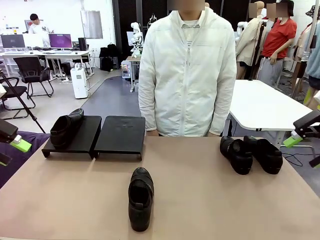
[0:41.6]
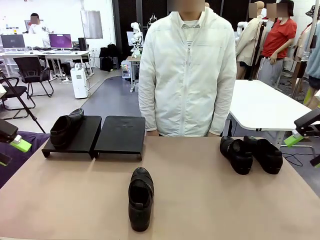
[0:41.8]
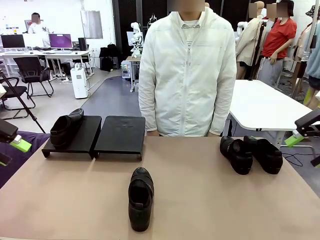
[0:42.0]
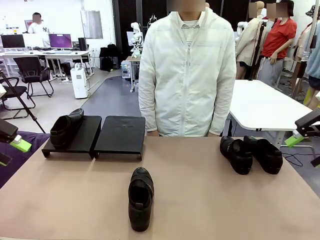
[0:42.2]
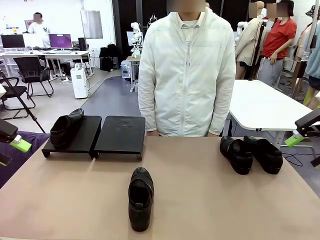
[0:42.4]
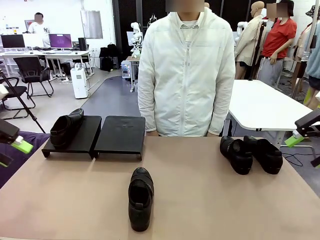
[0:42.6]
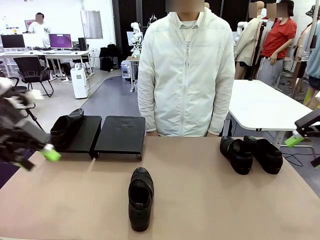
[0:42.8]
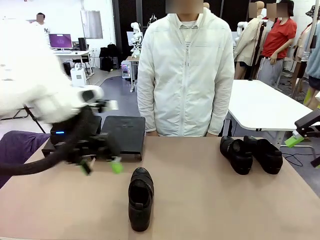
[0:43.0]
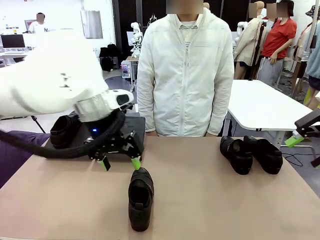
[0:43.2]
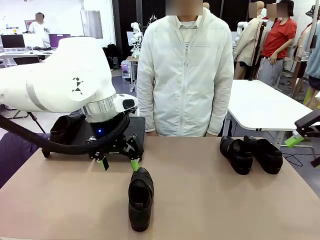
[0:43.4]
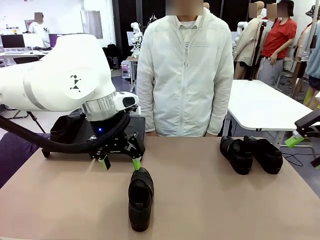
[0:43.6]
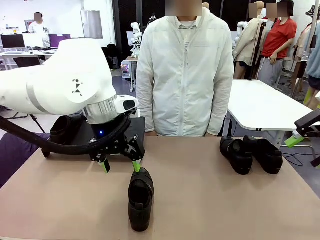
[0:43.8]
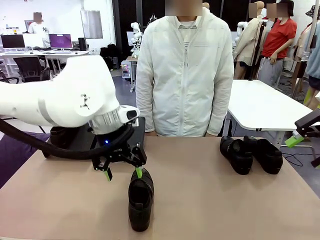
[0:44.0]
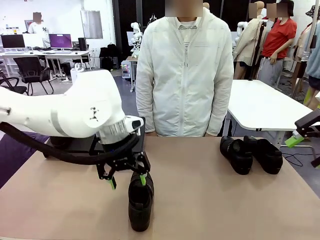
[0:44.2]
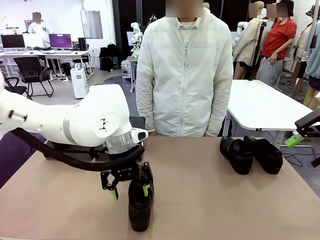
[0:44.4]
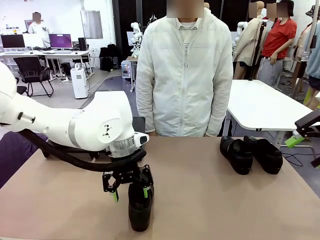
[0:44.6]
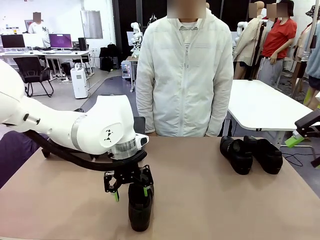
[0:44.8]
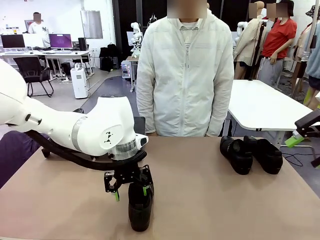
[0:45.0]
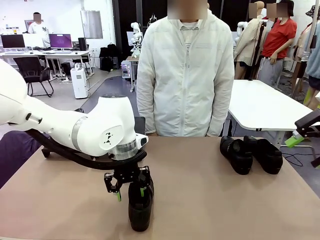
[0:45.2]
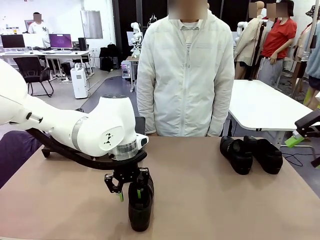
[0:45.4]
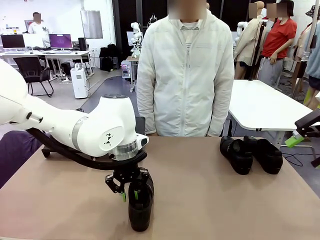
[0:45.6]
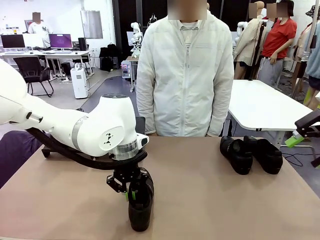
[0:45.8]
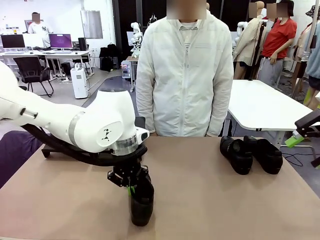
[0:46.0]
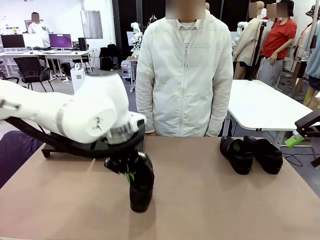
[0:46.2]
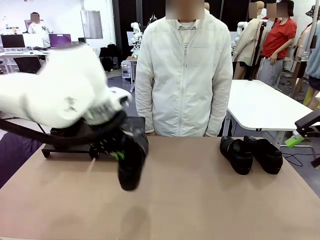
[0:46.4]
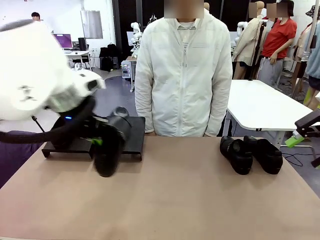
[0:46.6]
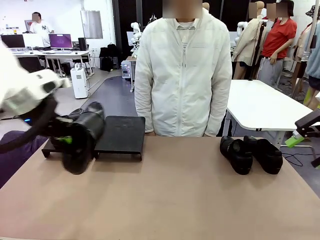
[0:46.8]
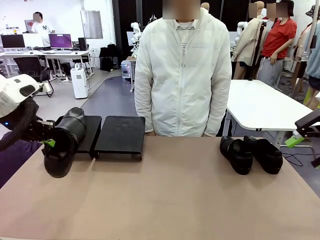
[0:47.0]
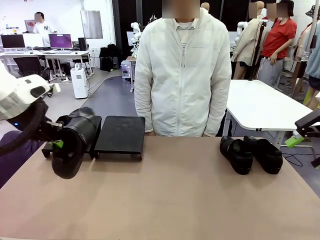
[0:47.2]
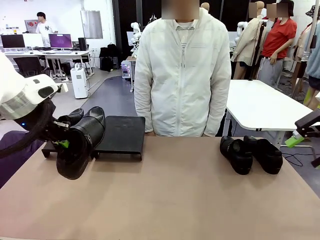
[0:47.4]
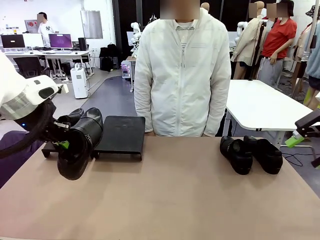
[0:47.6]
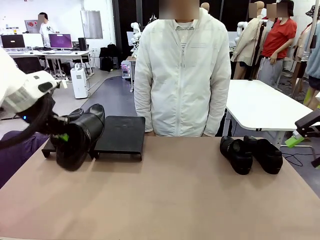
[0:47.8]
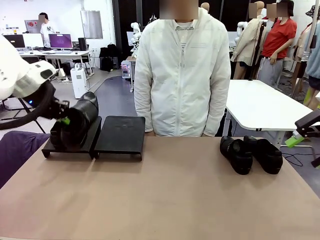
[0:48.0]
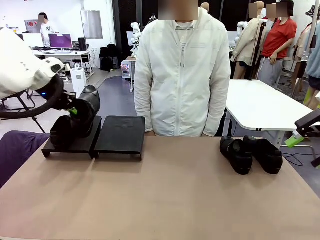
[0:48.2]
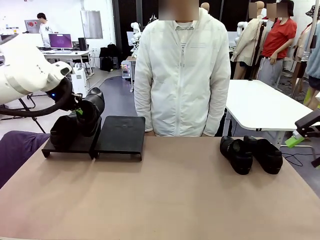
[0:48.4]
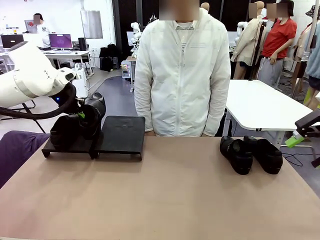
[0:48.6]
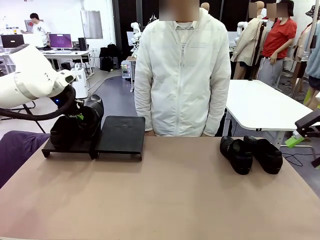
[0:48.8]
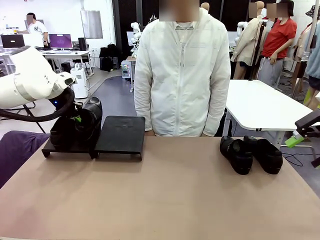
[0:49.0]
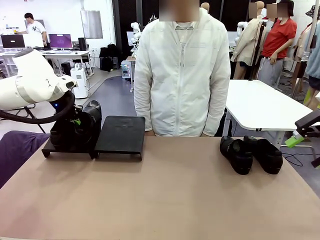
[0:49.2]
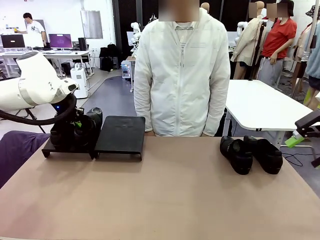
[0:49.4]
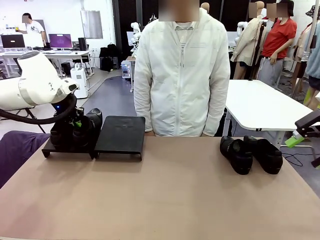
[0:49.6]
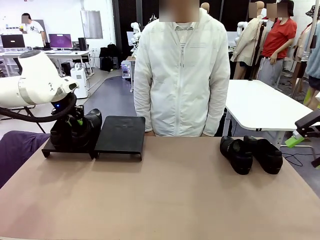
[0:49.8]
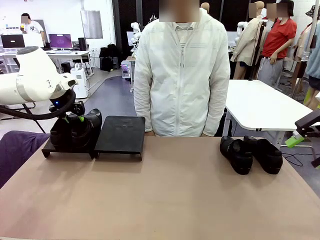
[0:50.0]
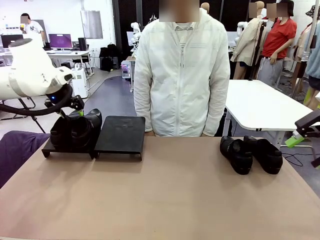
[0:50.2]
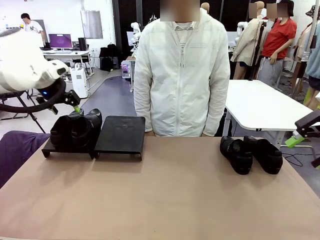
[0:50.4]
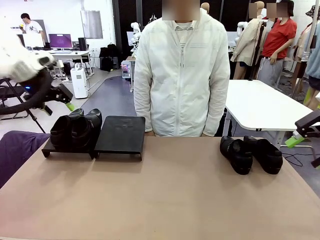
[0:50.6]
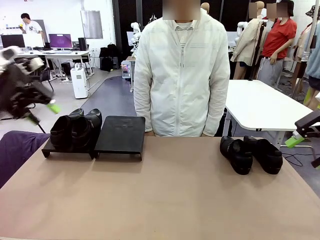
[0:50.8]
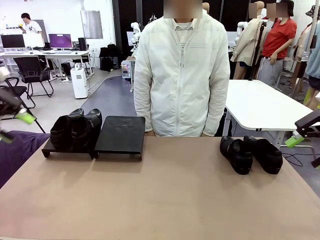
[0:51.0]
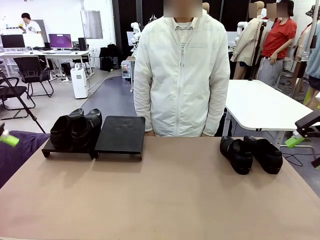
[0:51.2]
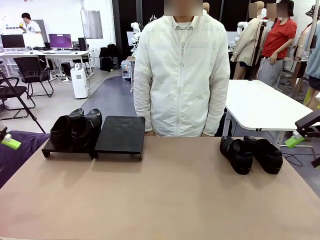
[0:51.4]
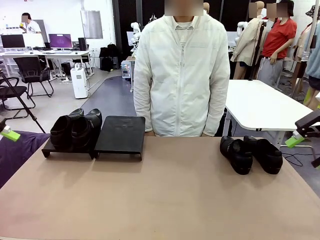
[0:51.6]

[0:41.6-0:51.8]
Task: Organize the shoes by placing them on the stand.
Robot: Place the Shoe from the middle of the table onto the Shoes Stand.

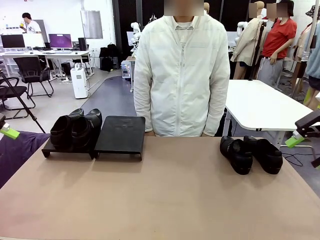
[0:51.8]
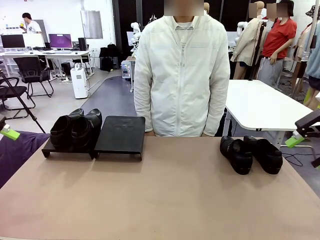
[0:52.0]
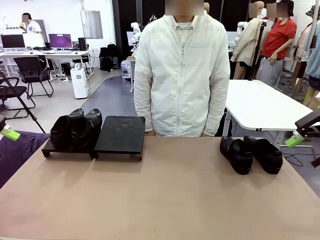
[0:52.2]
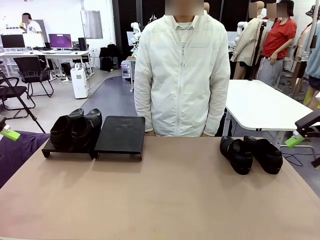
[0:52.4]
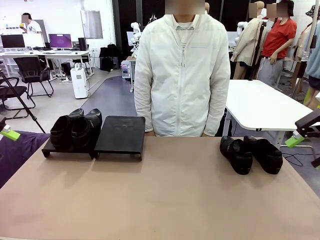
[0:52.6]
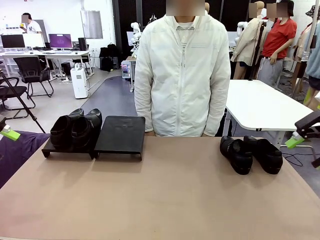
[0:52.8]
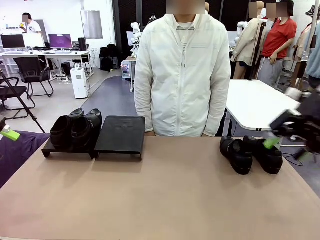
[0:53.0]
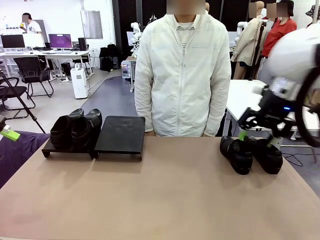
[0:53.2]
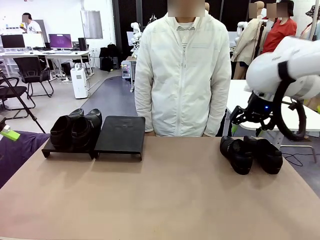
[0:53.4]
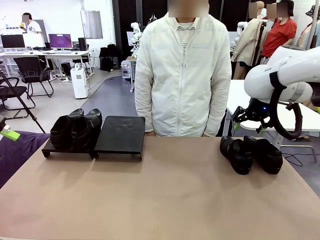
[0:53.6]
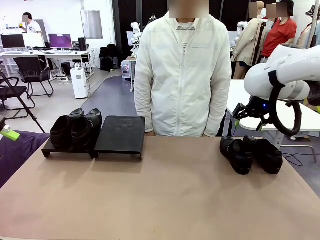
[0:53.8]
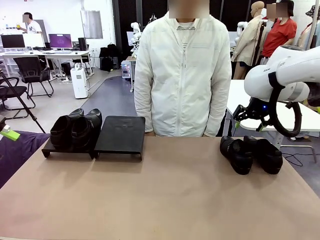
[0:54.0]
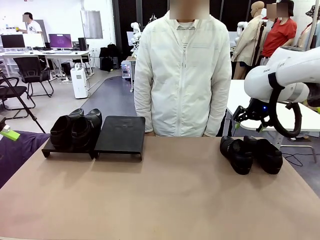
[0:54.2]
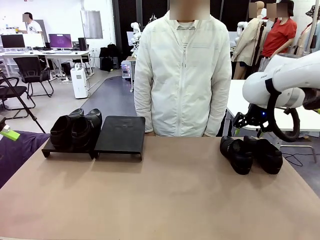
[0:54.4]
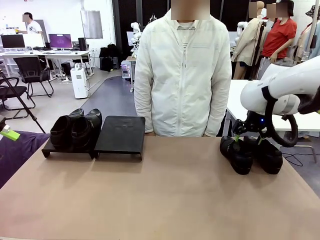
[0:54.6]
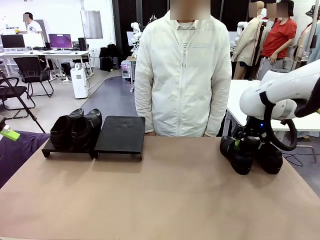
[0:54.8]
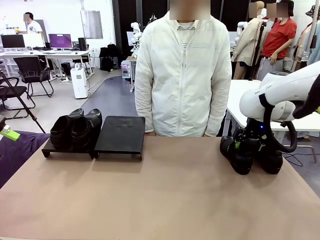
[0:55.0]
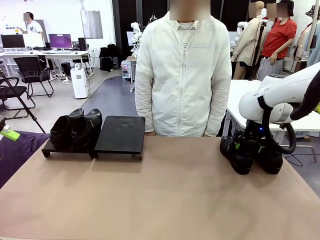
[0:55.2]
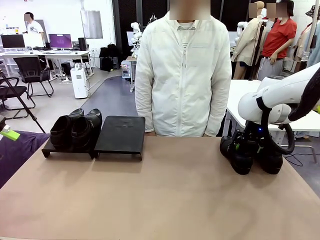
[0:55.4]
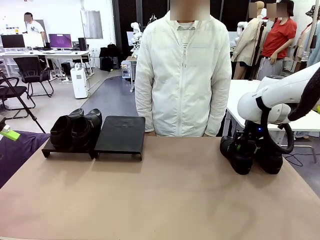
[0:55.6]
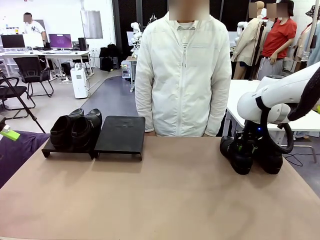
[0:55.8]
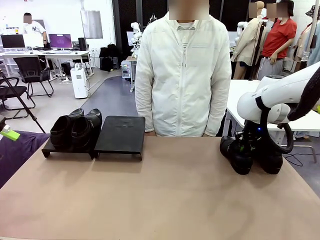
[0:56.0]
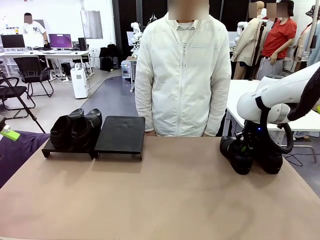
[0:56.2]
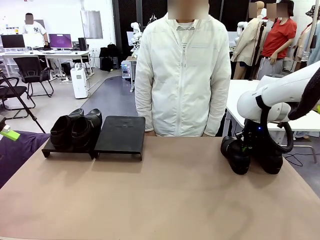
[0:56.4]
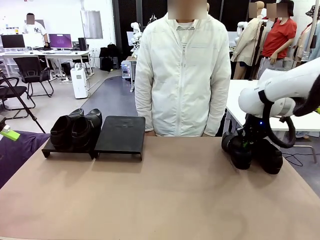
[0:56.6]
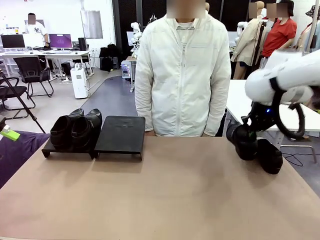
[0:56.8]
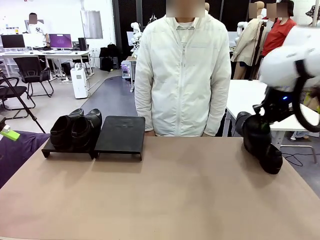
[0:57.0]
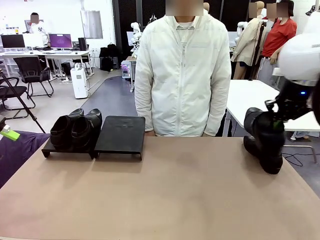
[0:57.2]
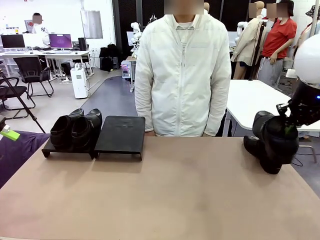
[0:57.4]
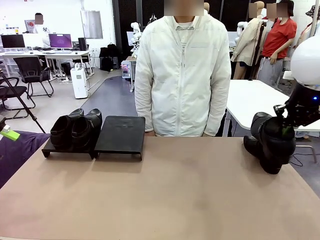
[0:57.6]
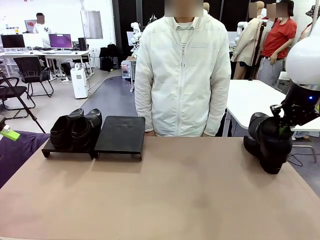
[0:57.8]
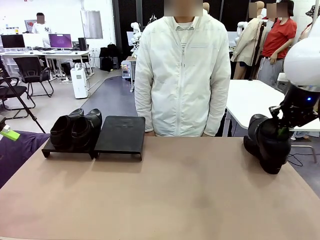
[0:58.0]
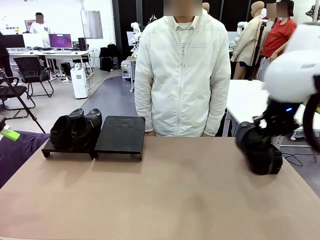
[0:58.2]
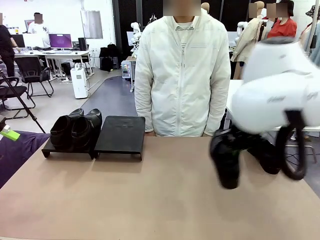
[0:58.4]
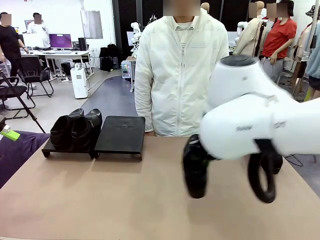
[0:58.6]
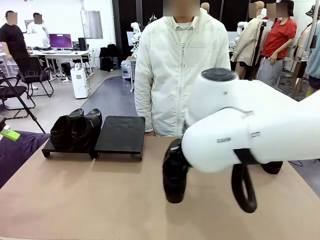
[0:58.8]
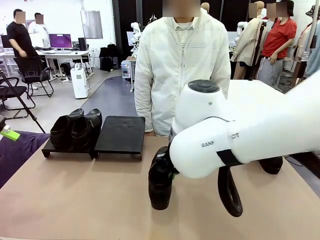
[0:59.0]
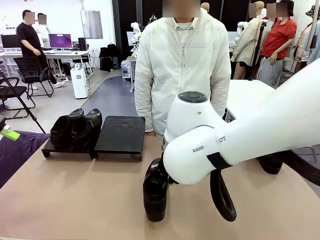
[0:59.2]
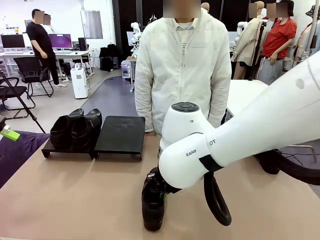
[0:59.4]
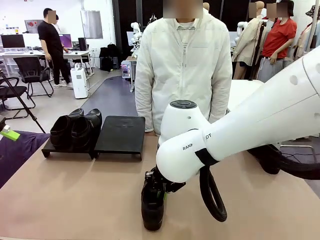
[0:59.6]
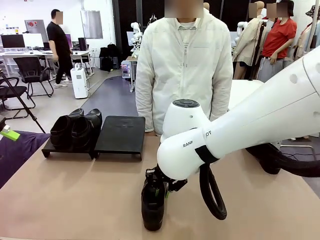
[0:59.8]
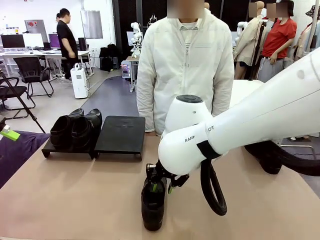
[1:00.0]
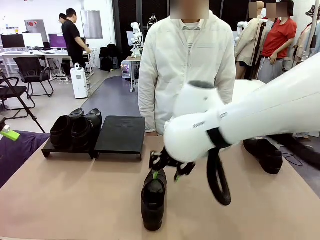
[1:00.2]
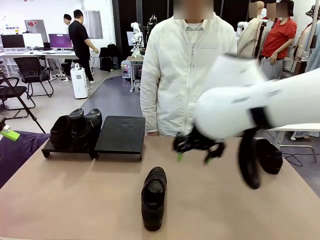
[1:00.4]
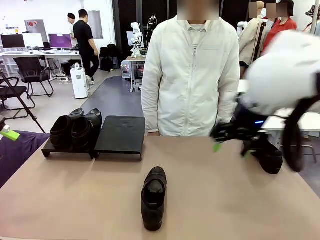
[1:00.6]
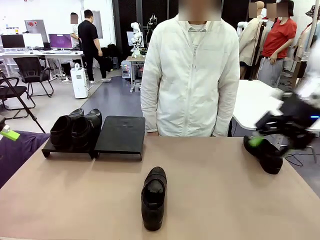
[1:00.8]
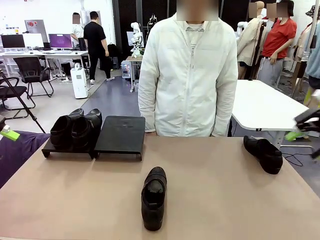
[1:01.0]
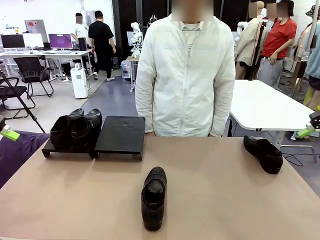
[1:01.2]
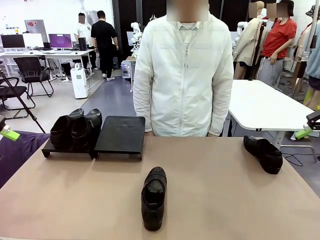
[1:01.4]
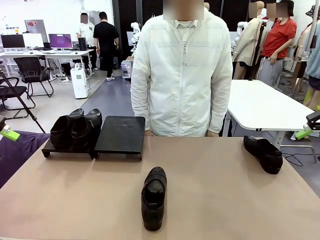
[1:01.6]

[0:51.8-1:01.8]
Robot: Pick up one Shoe and place it in the middle of the table.
